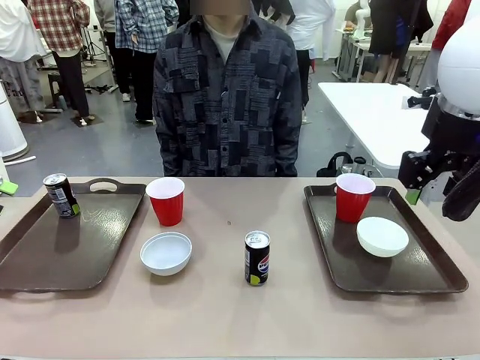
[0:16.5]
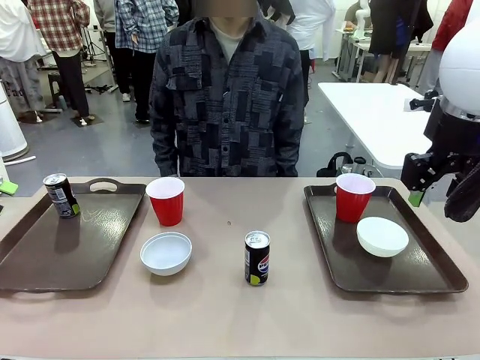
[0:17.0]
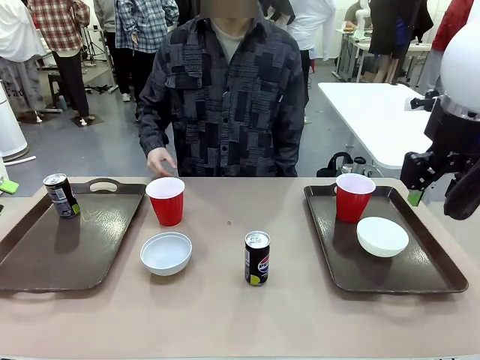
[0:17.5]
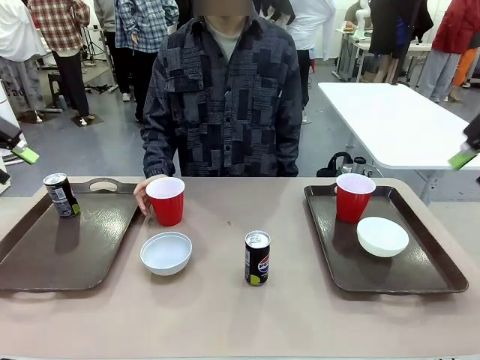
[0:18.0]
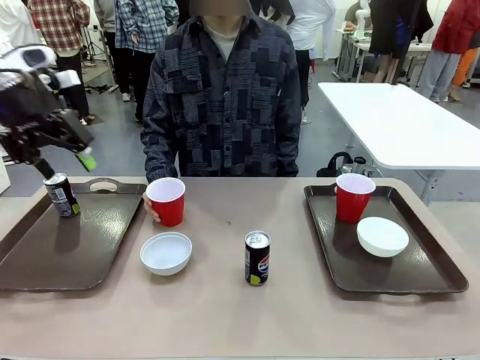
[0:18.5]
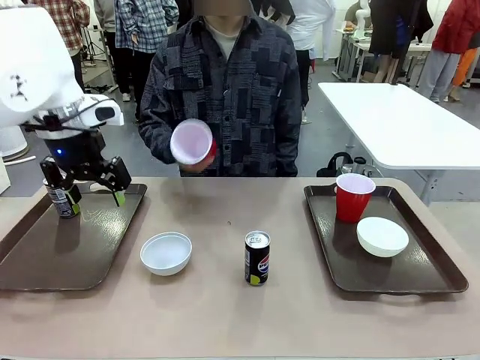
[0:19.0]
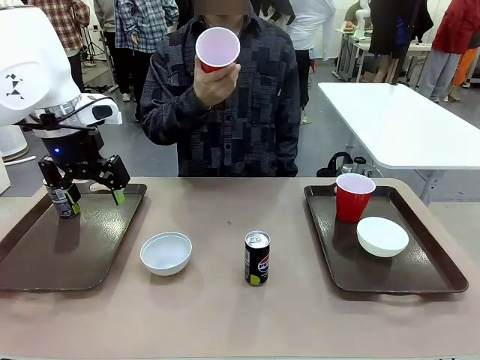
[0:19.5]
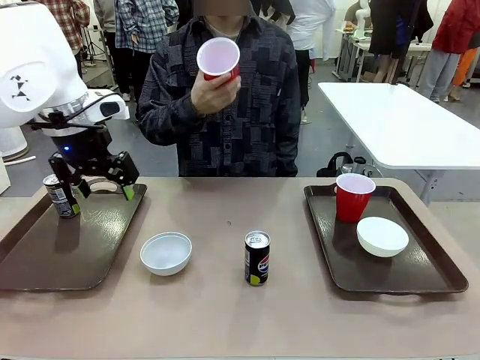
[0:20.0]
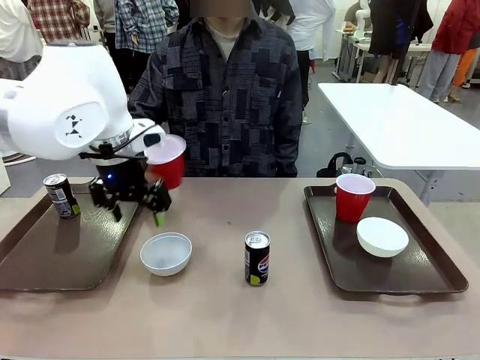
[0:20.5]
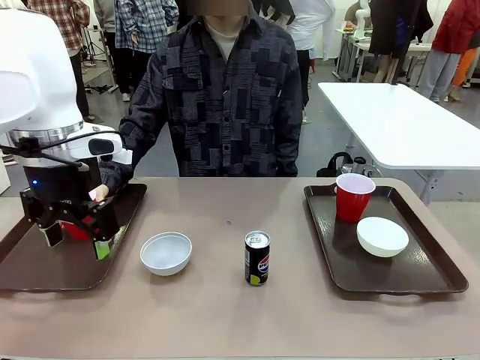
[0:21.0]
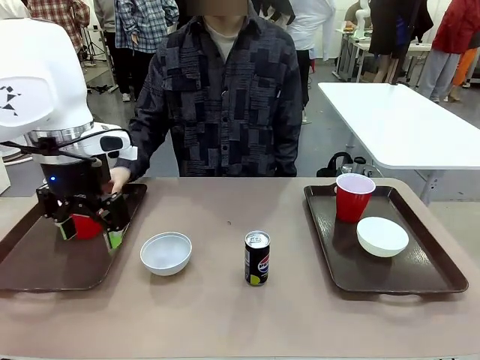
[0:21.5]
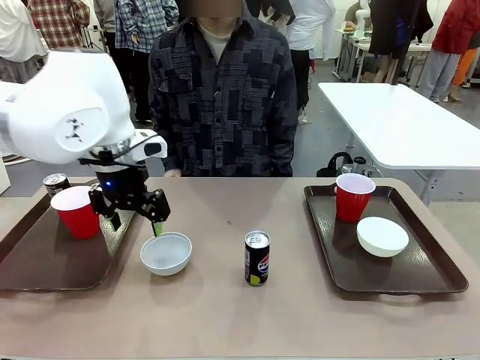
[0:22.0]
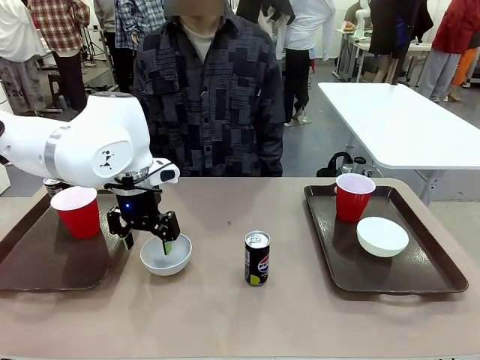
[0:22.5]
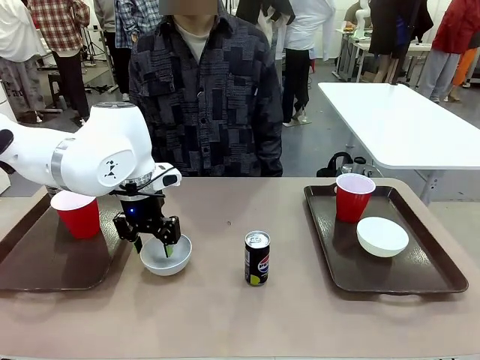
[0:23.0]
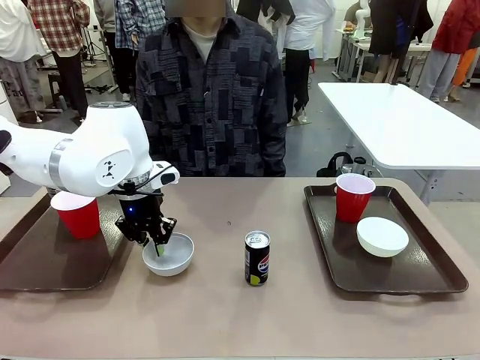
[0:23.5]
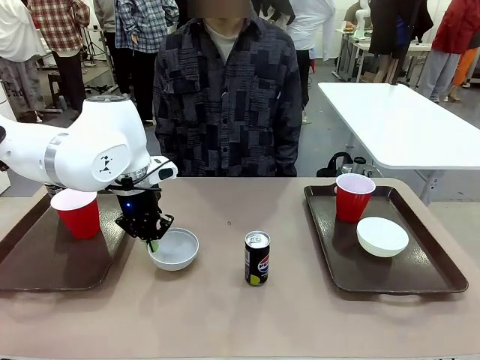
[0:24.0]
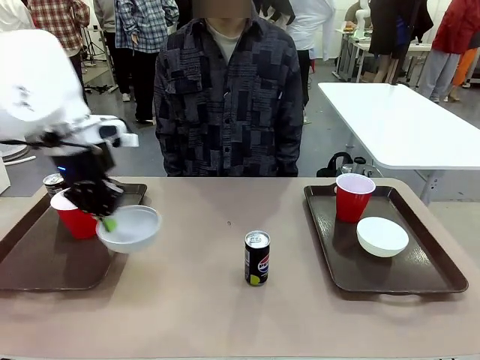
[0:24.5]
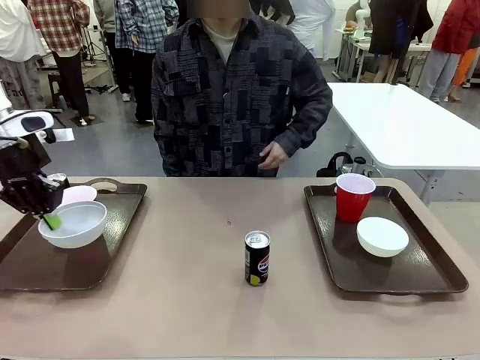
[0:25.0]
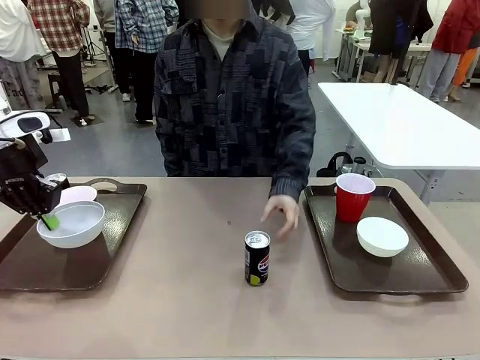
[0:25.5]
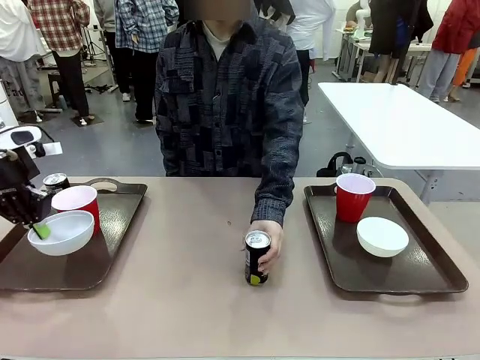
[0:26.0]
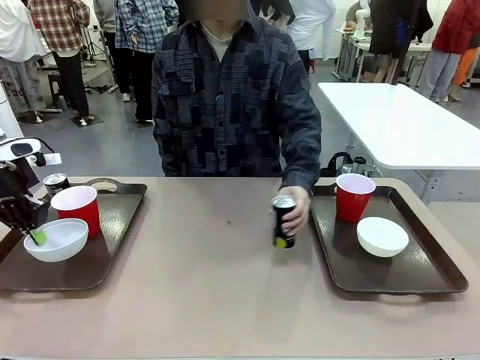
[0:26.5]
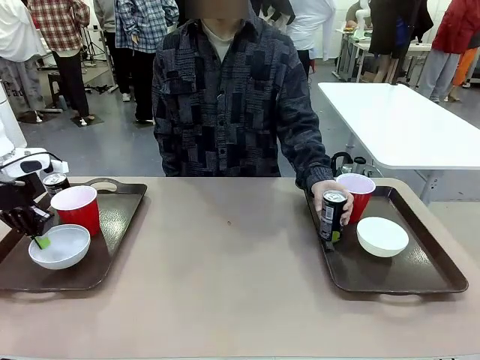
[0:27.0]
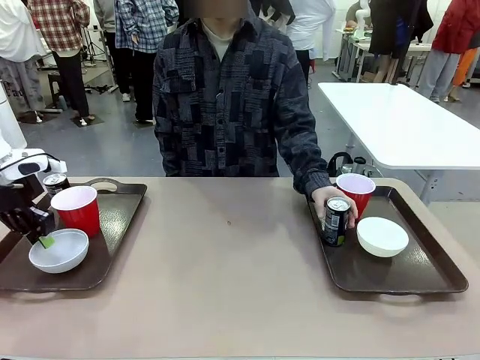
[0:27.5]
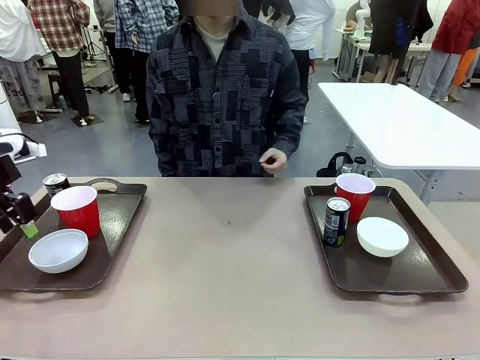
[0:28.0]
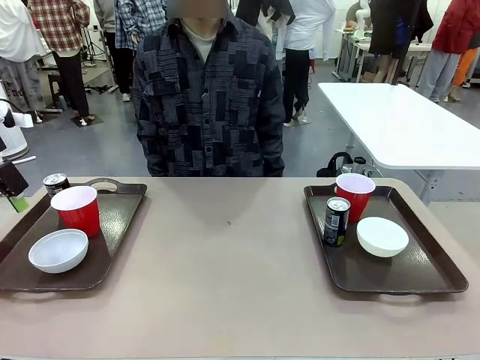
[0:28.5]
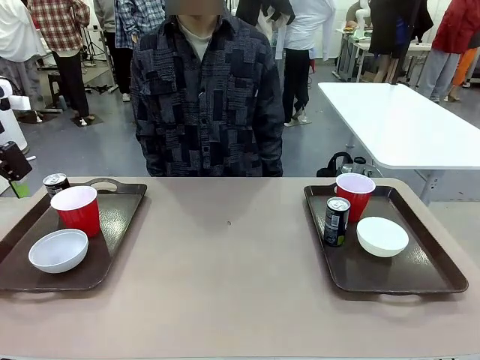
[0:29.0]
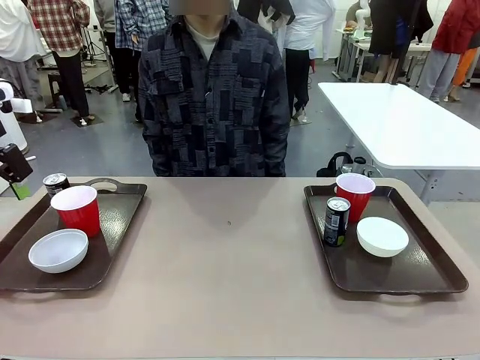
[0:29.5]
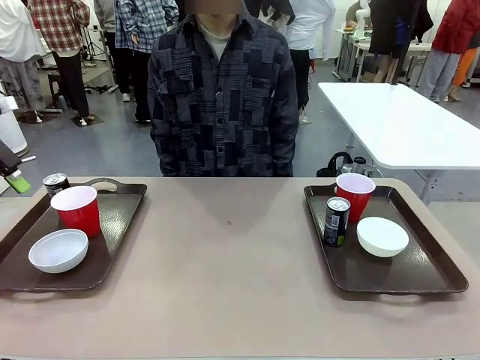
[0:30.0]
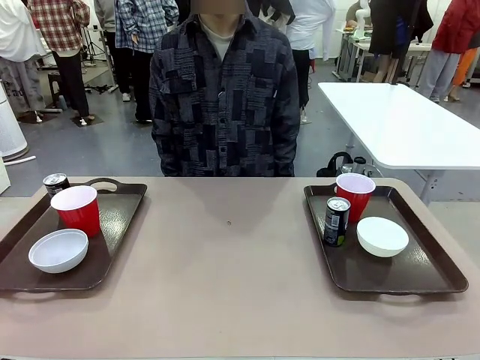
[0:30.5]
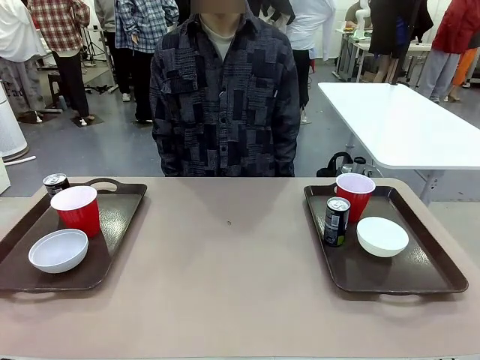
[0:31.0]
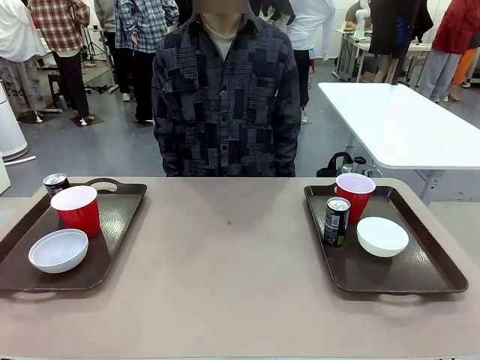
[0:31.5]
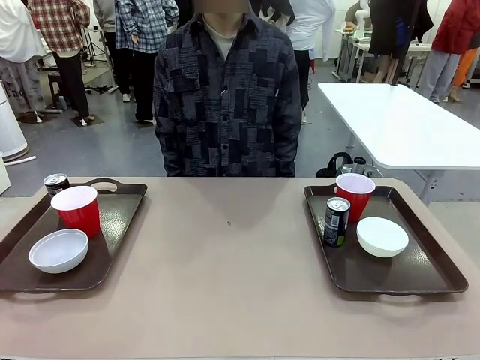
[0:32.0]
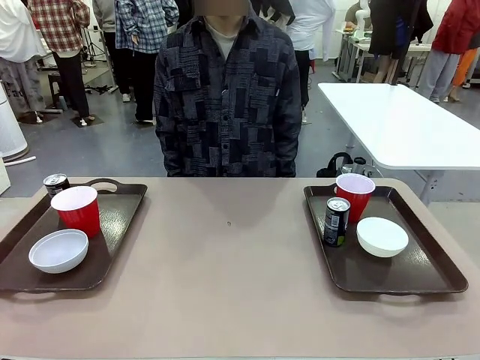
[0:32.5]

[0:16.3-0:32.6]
Task: Prepare tableware on both trays.
Robot: Pick up a Picnic Bowl from the table and place it on a Handle tray.
Person: Pick up a can or cup and place it on the tray without a can or cup.

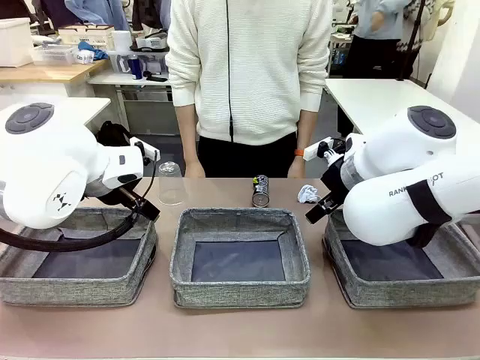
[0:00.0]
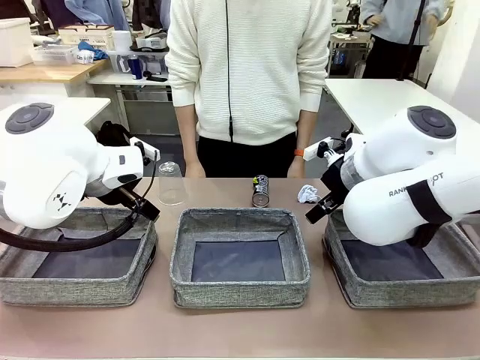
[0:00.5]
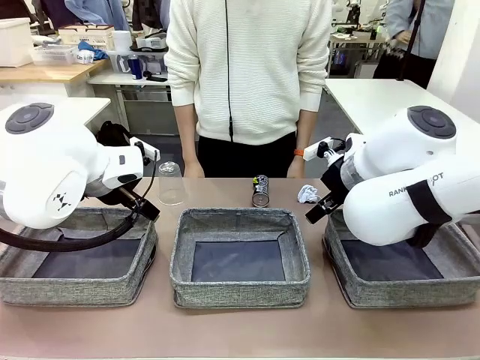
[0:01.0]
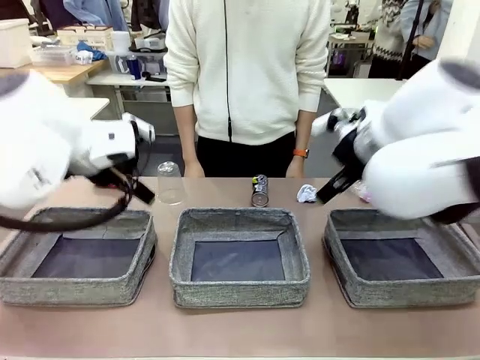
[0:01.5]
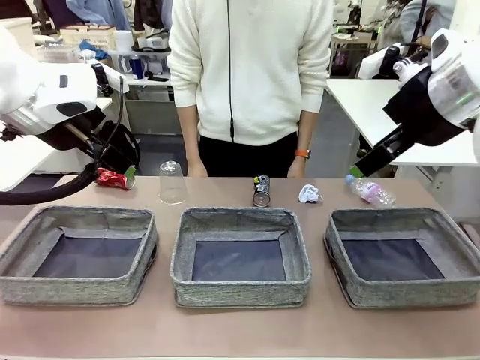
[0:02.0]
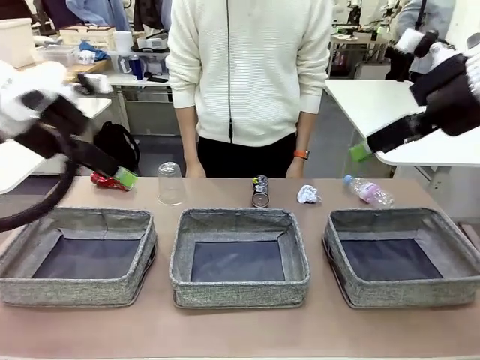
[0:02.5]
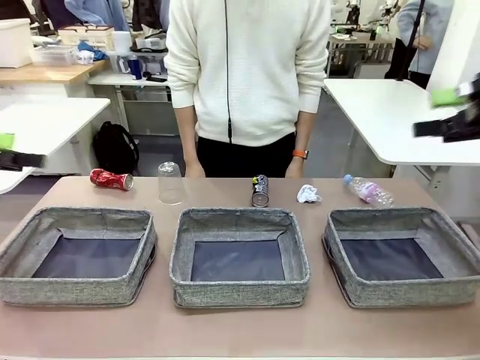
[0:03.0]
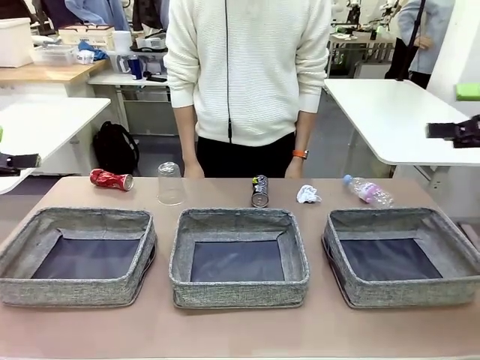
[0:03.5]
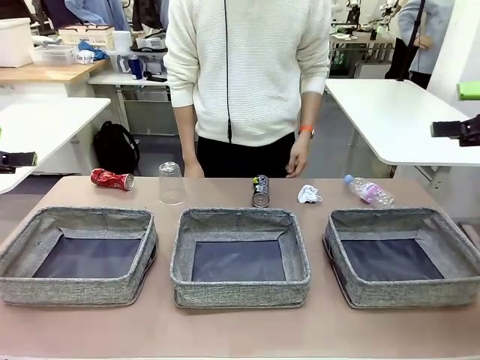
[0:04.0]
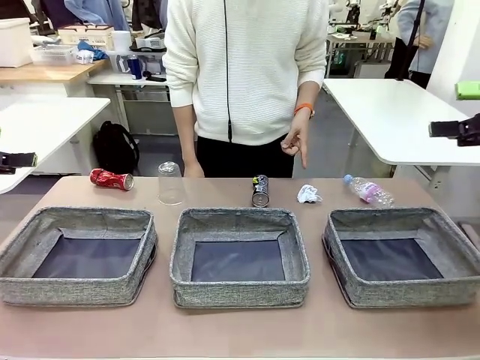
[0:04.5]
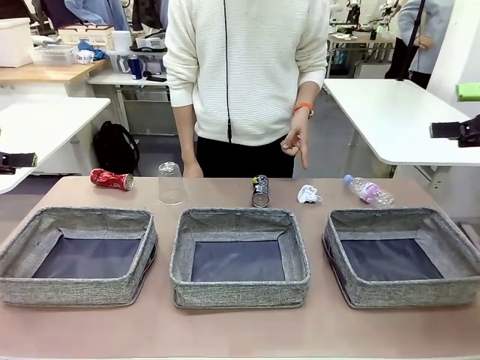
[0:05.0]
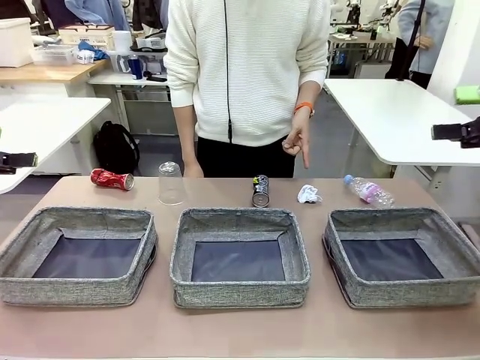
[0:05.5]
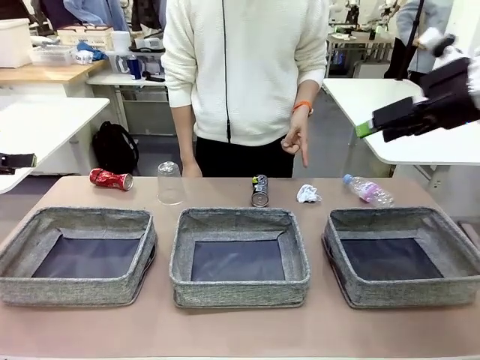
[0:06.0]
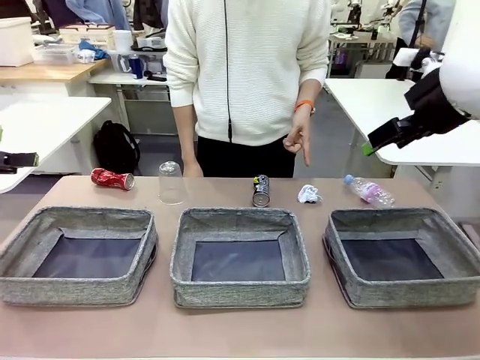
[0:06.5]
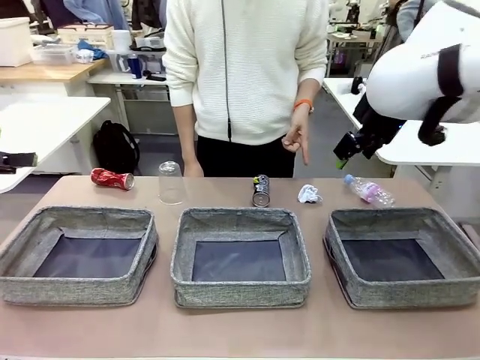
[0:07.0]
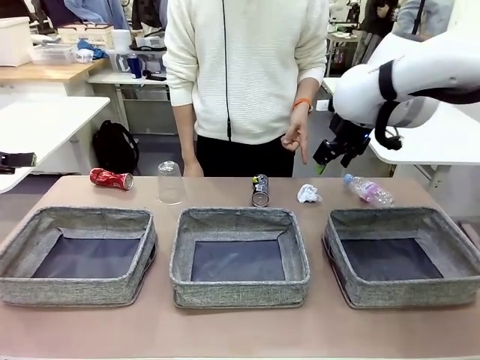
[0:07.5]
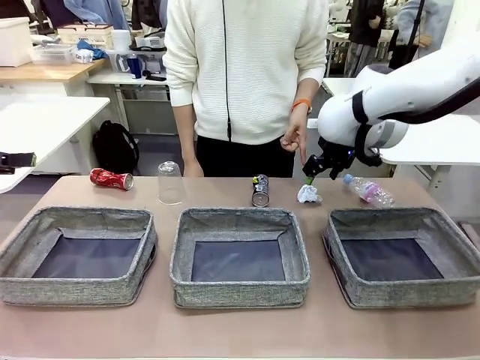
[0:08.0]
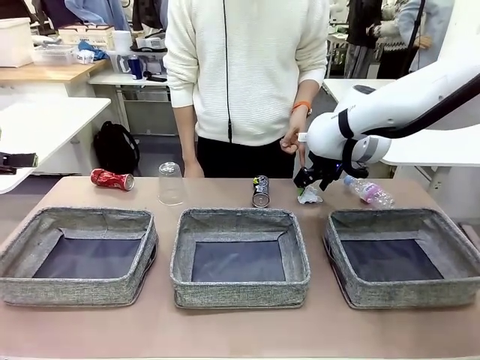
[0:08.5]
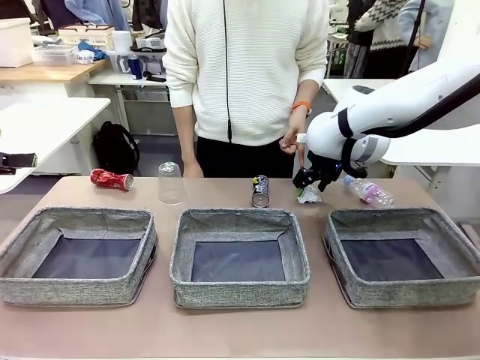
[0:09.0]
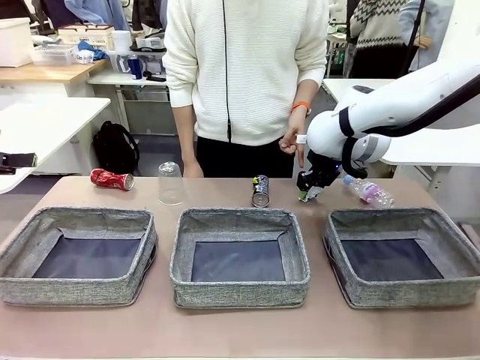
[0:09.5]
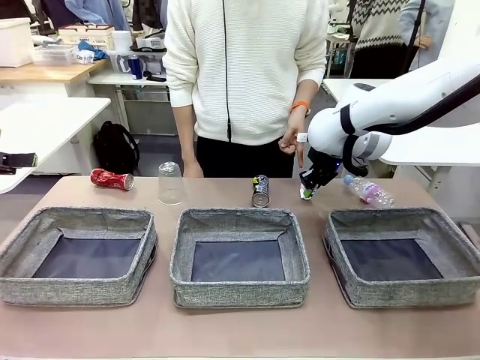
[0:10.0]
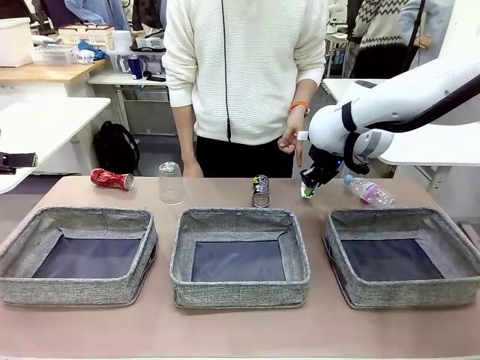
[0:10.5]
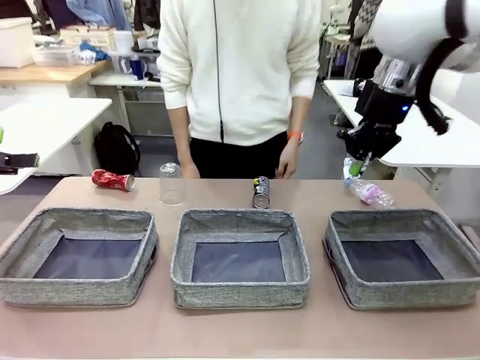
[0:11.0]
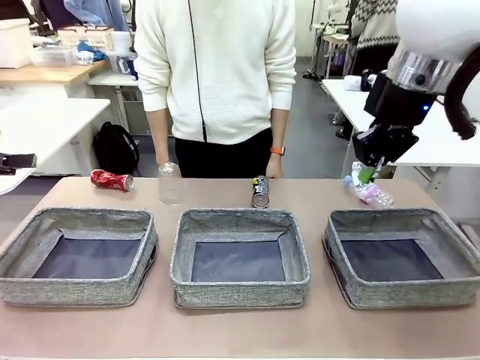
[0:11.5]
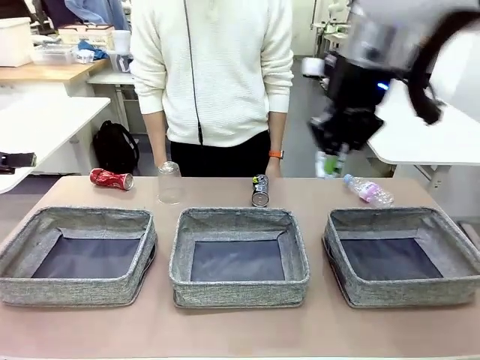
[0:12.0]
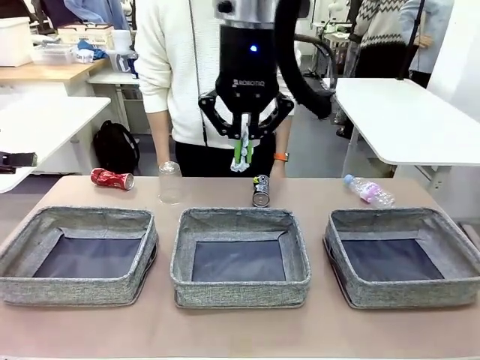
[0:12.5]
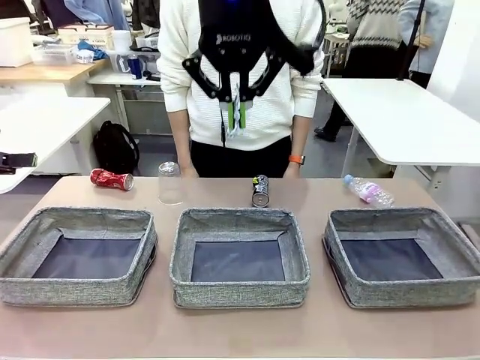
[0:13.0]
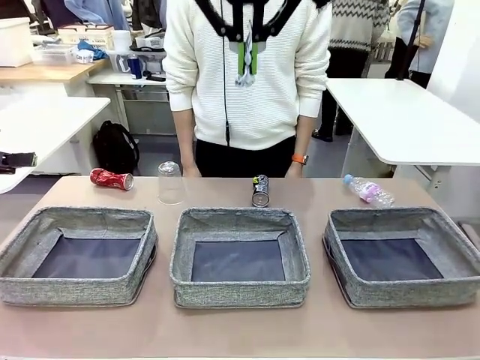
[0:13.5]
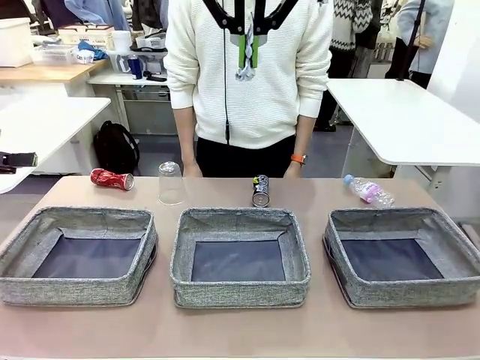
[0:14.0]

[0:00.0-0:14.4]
Task: Sort the waste into the appropriate baskets.
Robot: Pick up the waste item pointed out by the person.
Person: Points to one piece of trash on the table.
